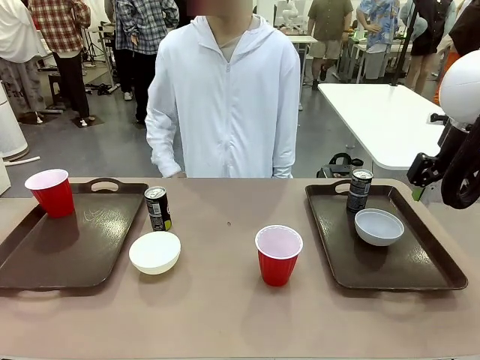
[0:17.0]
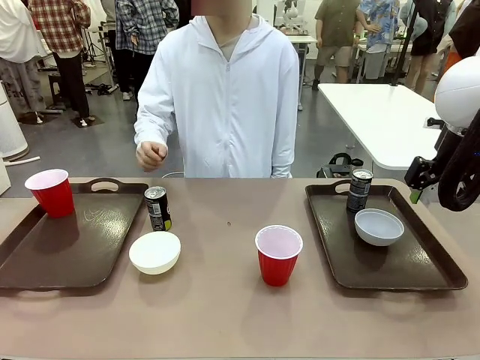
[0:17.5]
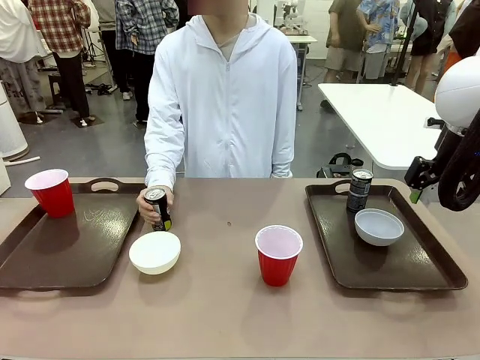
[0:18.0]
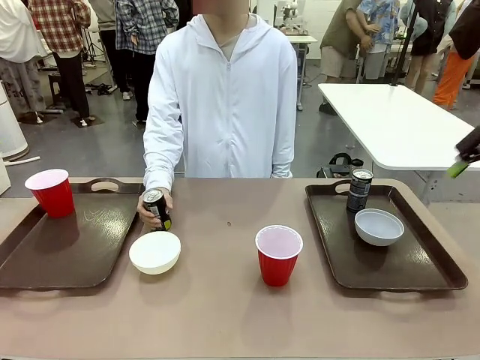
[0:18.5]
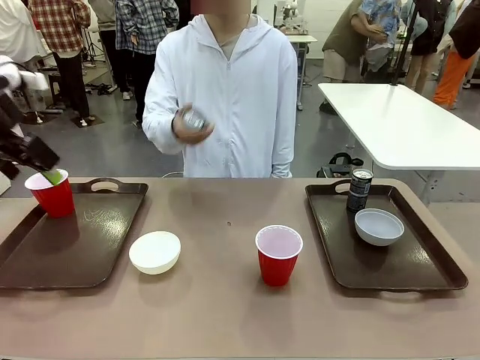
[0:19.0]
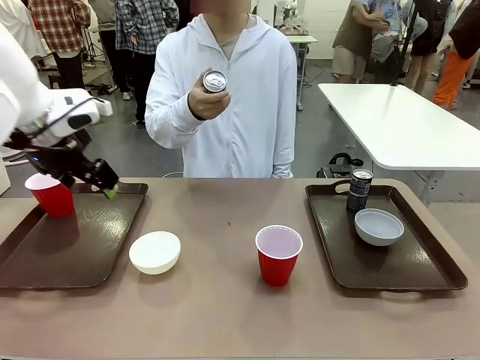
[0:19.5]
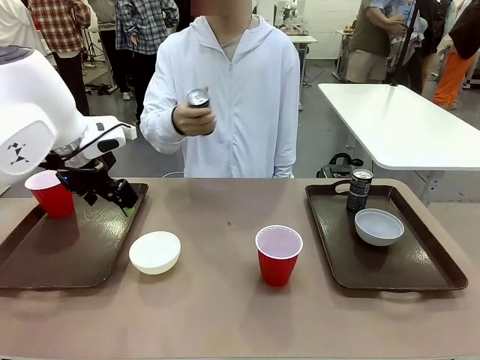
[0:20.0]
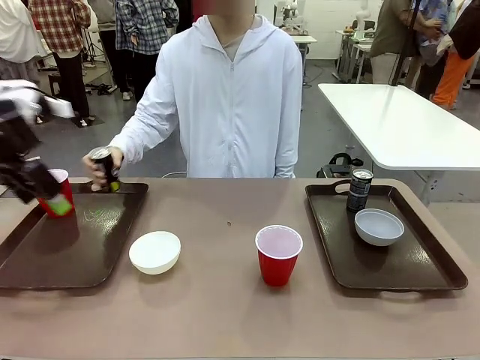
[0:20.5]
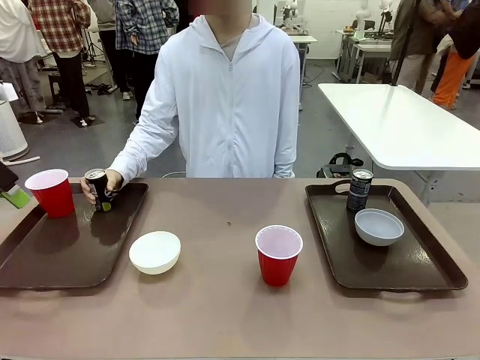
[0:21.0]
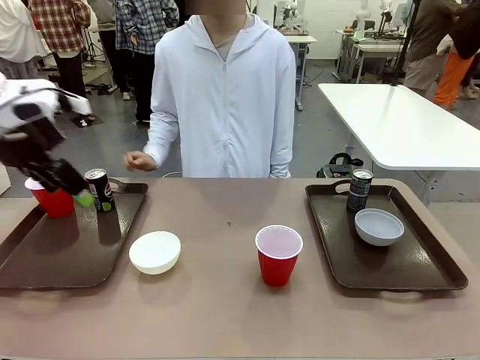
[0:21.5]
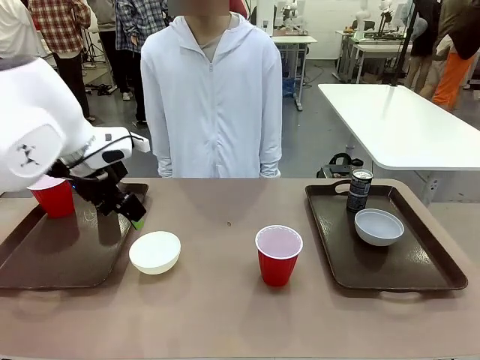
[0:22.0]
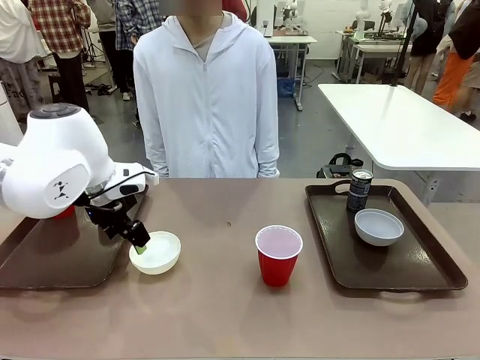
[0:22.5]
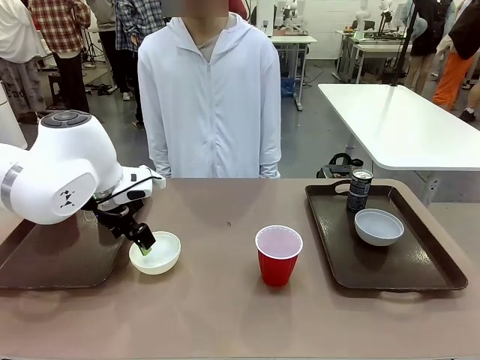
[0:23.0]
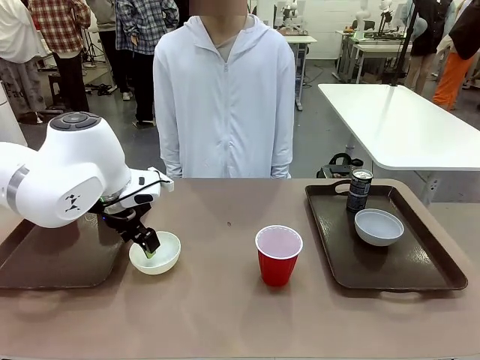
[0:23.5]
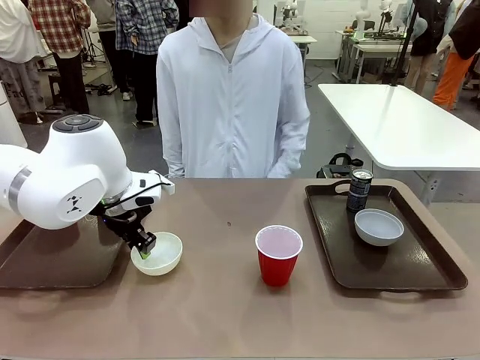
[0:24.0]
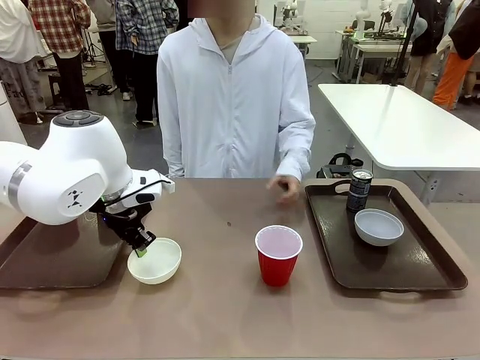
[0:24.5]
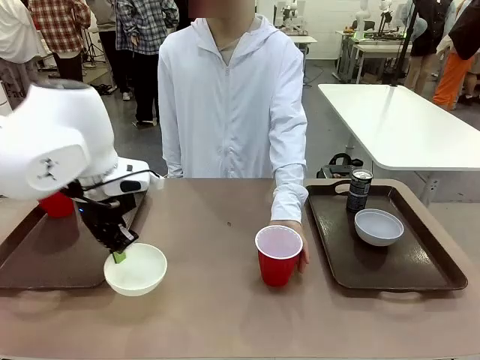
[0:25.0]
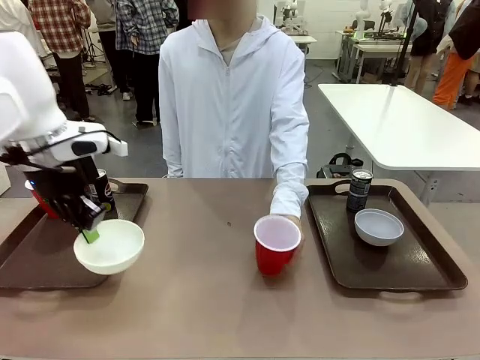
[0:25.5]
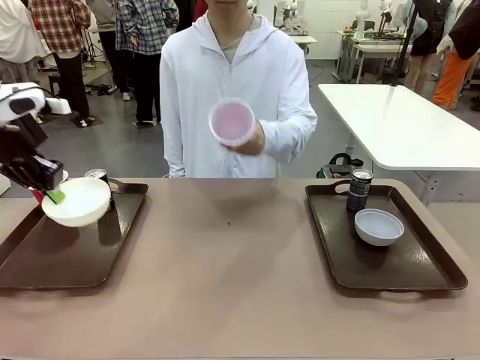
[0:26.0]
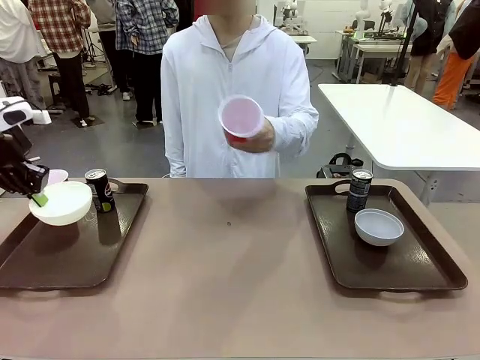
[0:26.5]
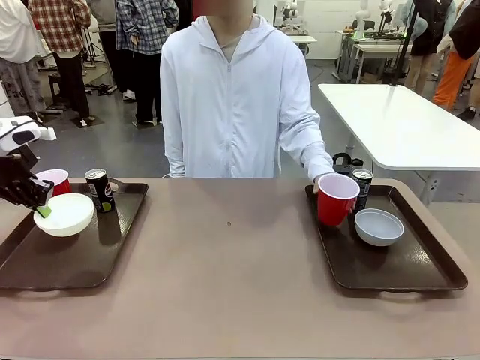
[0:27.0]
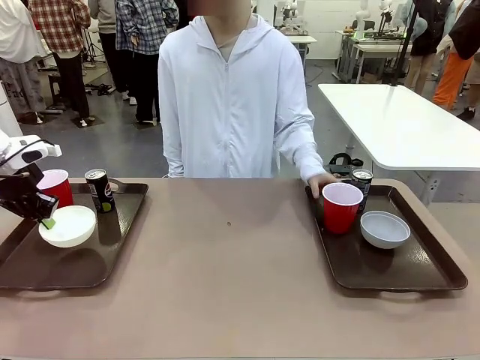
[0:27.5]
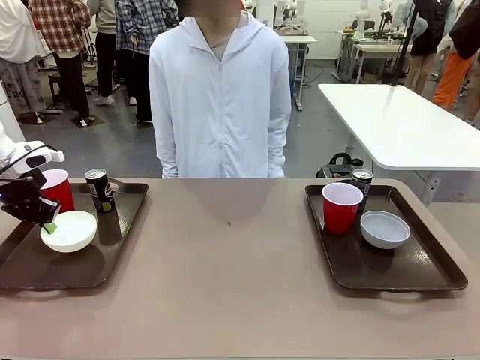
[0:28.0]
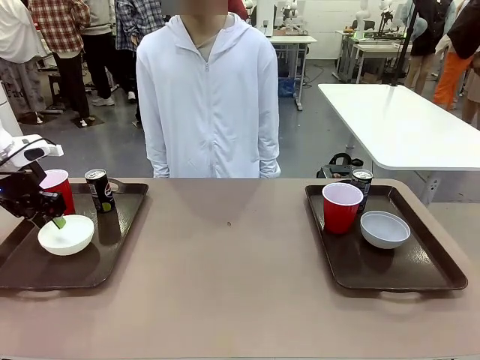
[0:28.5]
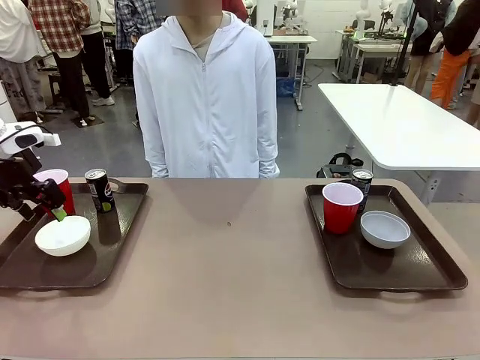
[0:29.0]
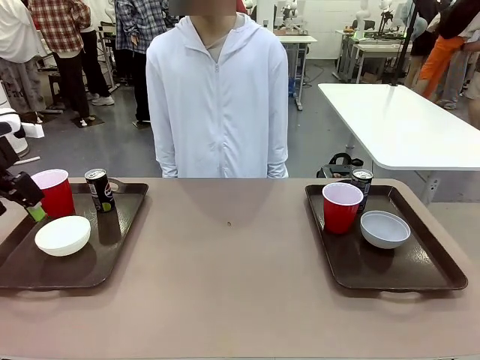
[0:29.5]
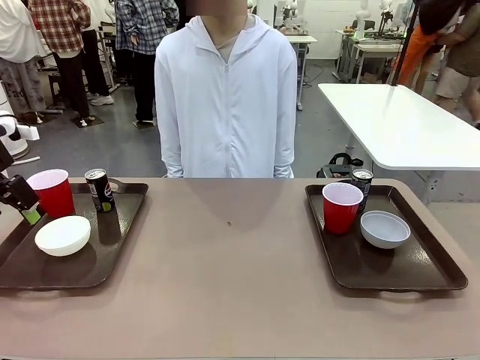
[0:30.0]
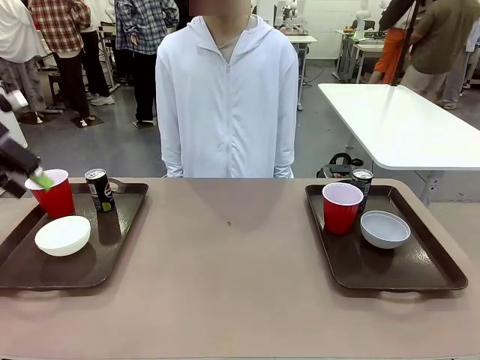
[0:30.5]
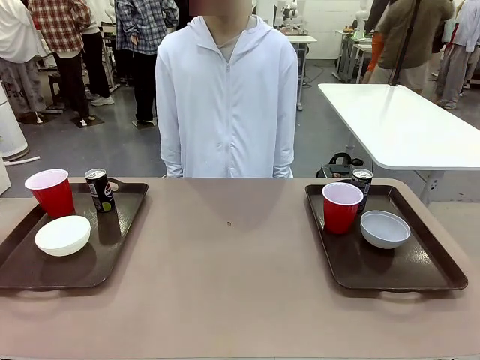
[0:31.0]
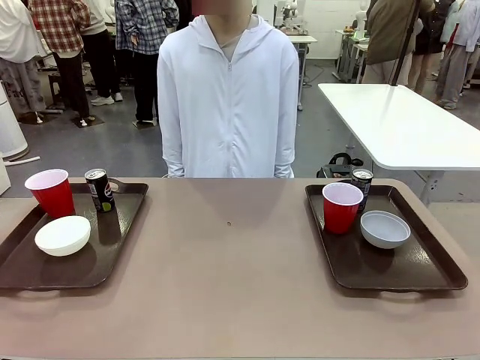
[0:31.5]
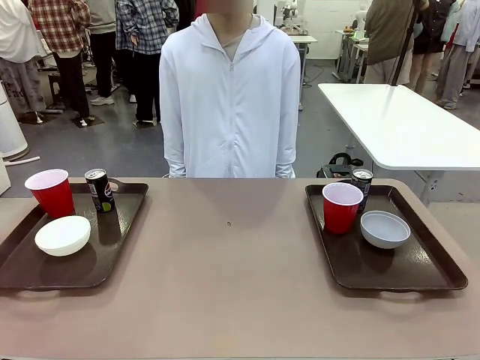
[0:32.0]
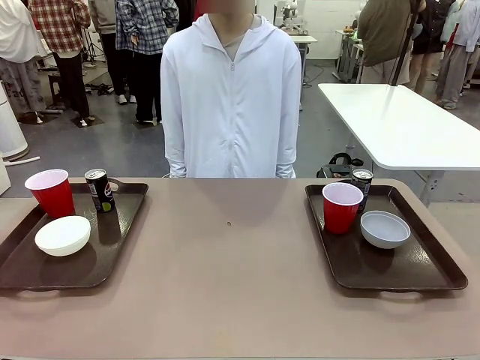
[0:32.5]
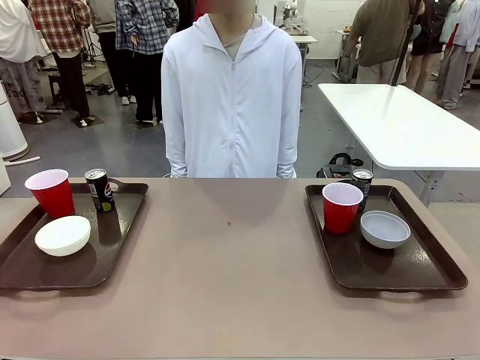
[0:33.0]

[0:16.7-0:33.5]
Task: Prepare tableware on both trays.
Robot: Pick up a Picnic Bowl from the table and place it on a Handle tray.
Person: Pick up a can or cup and place it on the tray without a can or cup.

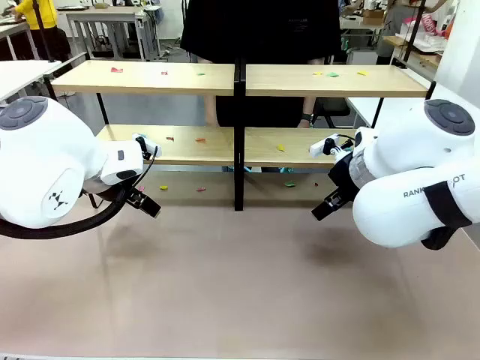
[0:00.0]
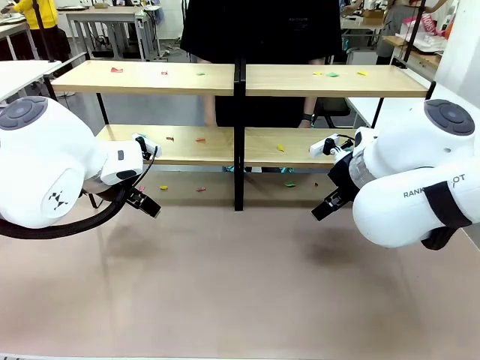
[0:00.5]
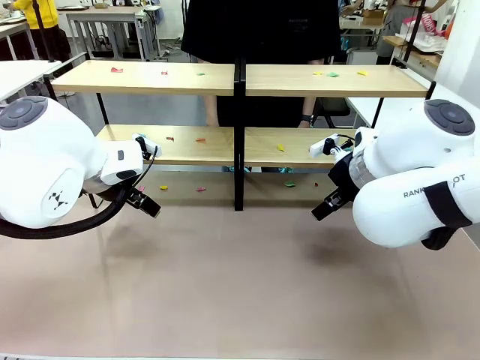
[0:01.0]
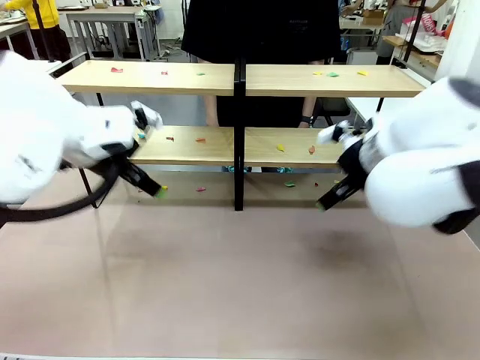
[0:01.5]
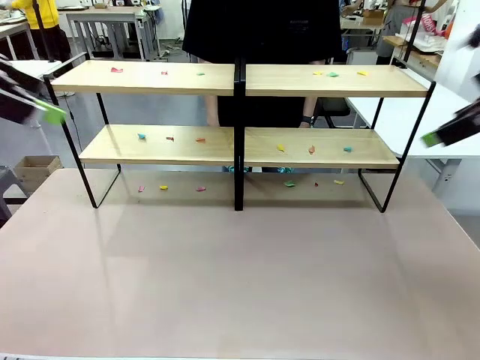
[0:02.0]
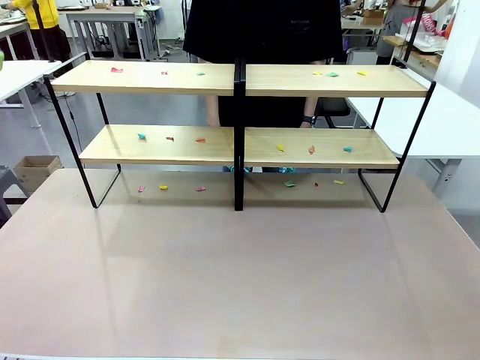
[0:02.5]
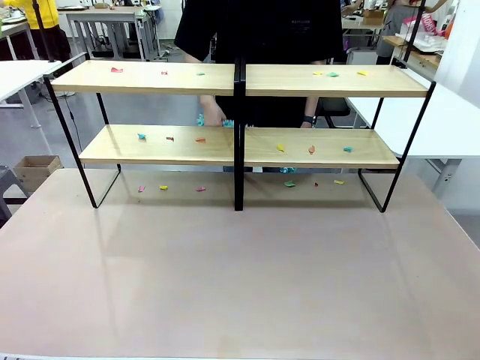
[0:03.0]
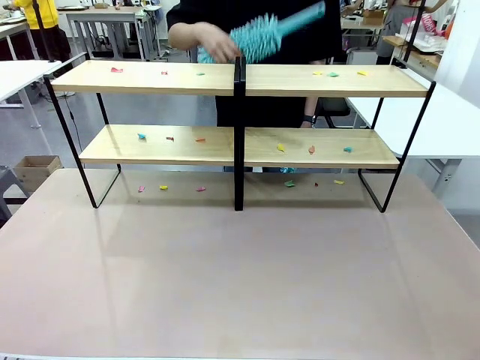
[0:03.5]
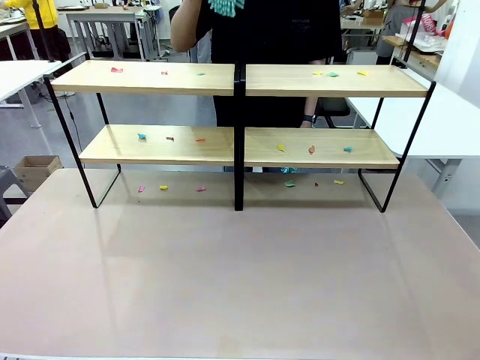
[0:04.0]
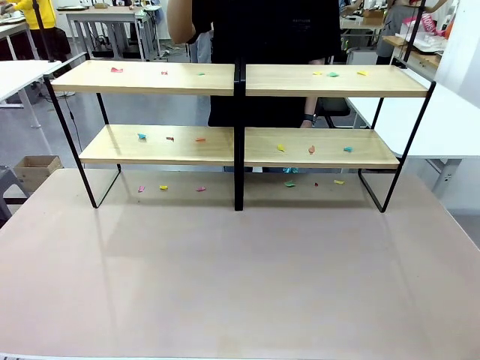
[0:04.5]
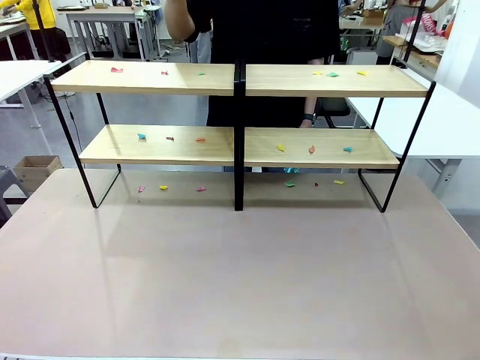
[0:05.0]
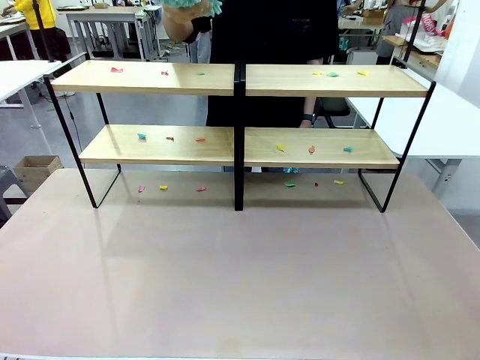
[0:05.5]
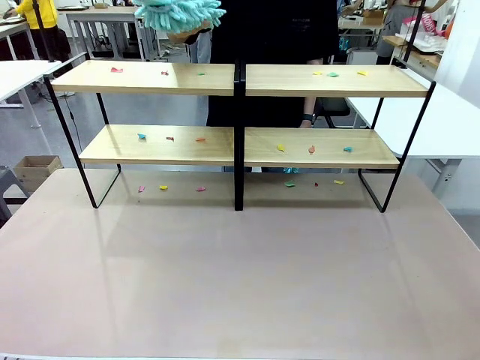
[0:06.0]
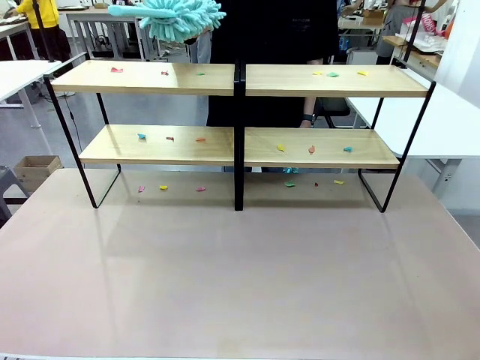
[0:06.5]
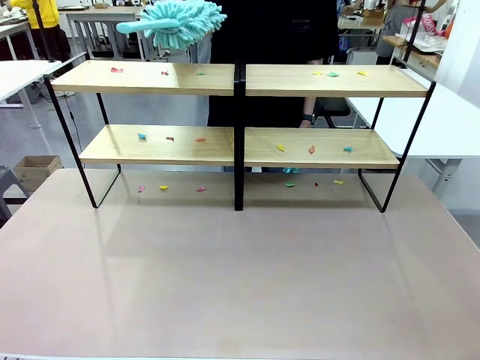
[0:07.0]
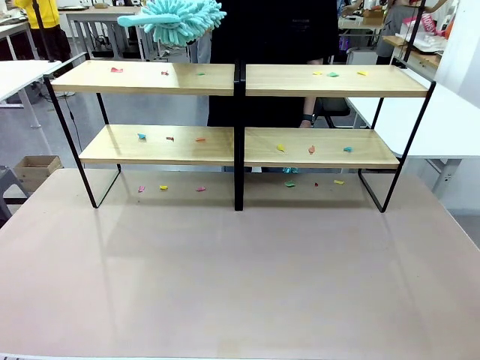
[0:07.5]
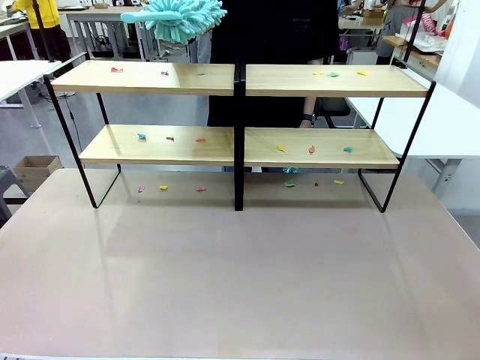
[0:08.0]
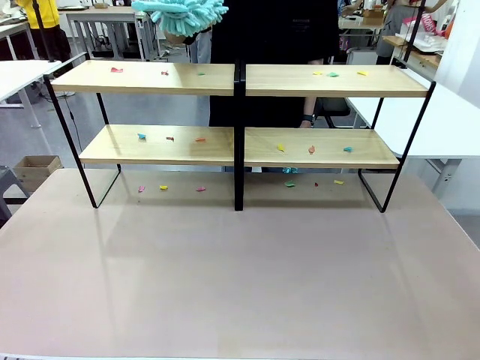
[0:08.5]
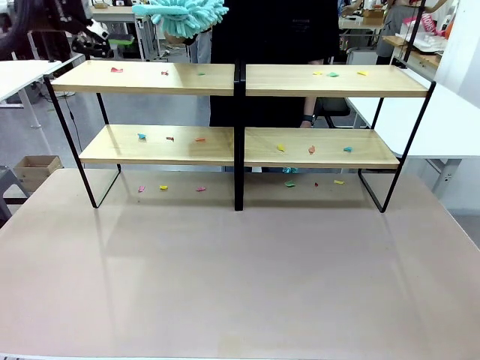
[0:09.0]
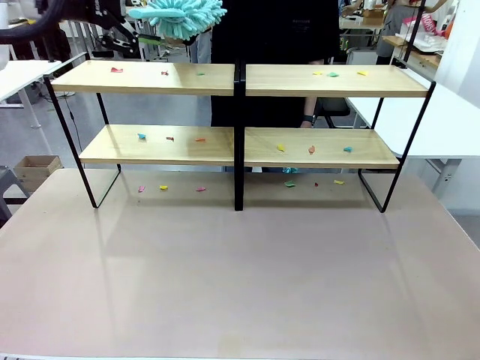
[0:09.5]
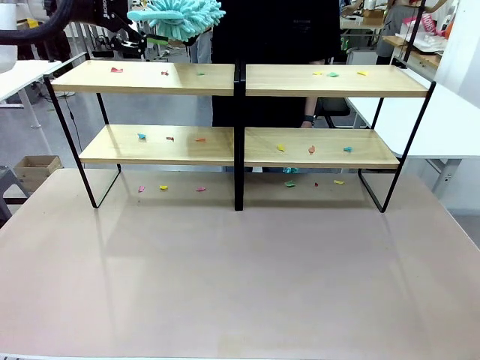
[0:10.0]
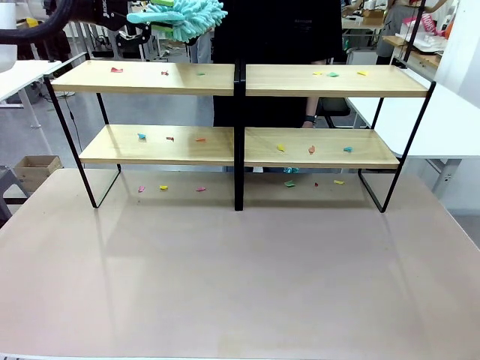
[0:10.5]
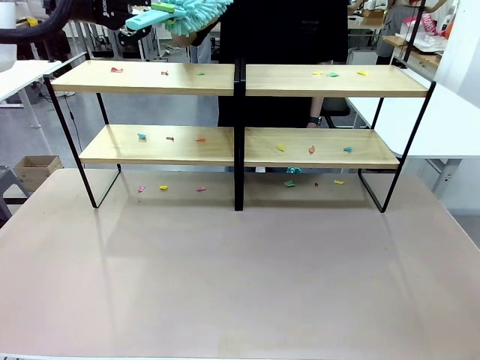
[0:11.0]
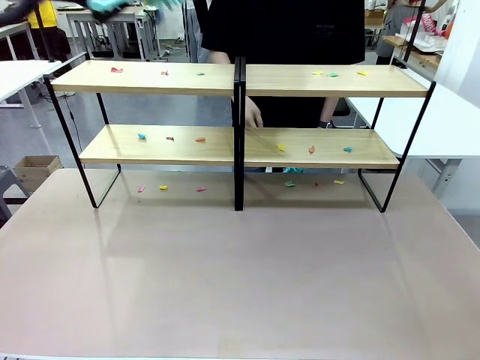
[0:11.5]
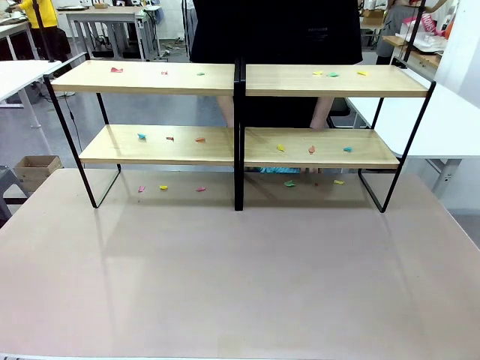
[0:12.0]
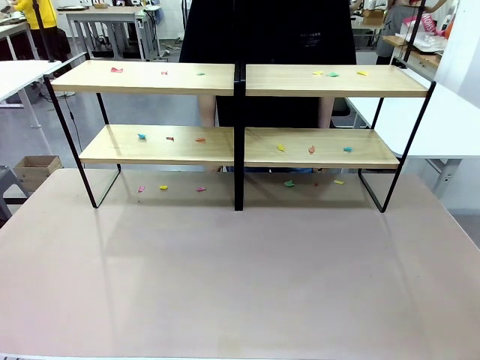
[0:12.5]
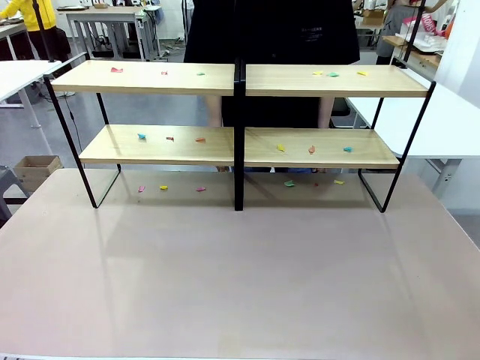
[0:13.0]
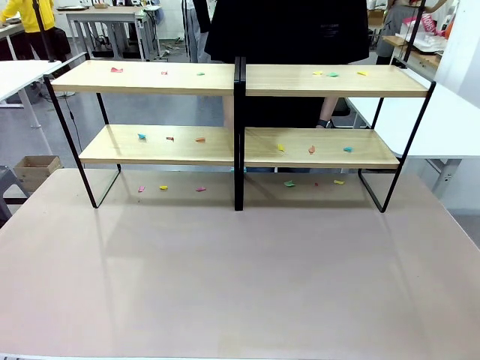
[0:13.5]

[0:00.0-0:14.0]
Task: Clean the shelves.
Robot: Pick up the Duster when the human hands it over.
Person: Hand the Duster to the robot with your right (or left) hand.
